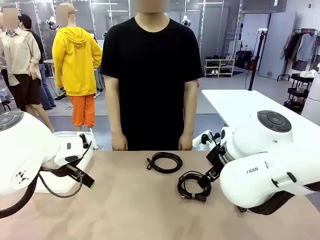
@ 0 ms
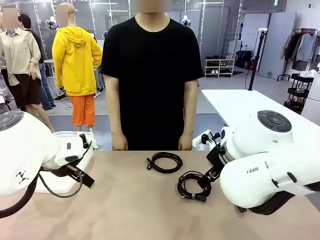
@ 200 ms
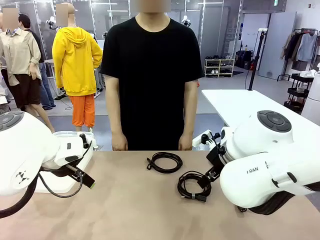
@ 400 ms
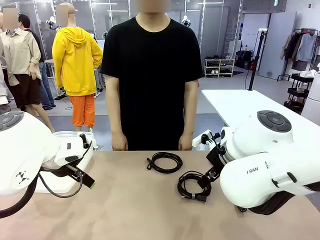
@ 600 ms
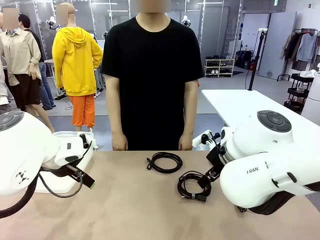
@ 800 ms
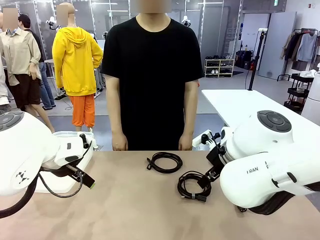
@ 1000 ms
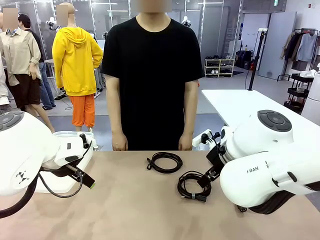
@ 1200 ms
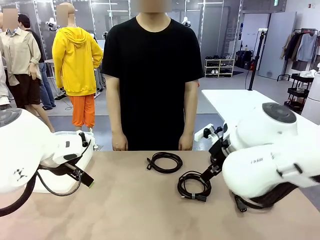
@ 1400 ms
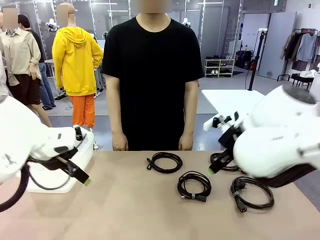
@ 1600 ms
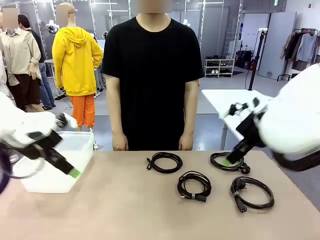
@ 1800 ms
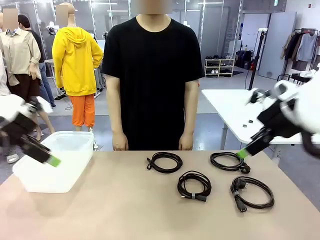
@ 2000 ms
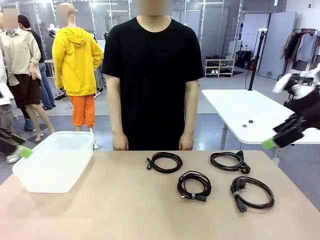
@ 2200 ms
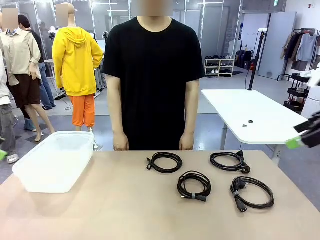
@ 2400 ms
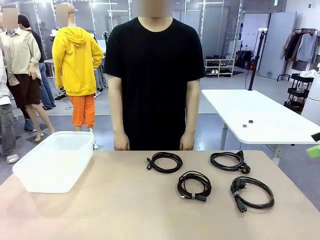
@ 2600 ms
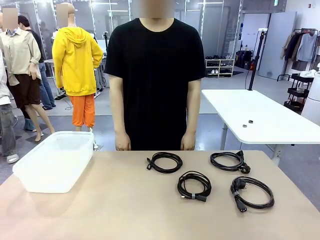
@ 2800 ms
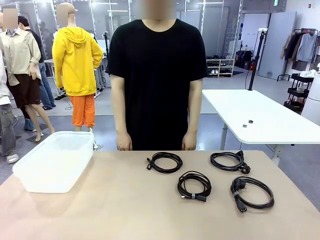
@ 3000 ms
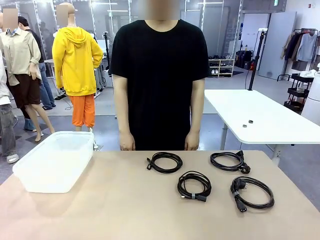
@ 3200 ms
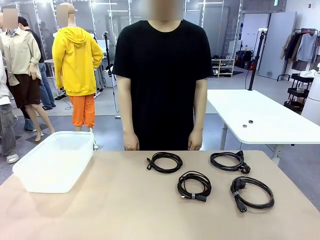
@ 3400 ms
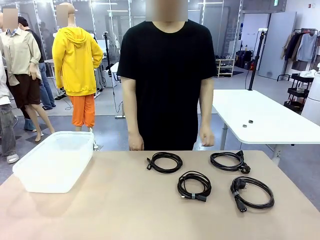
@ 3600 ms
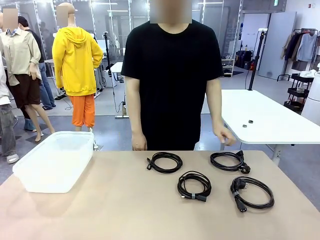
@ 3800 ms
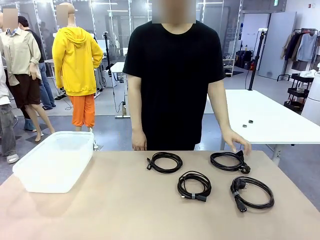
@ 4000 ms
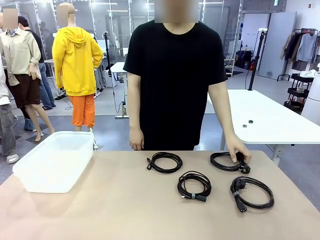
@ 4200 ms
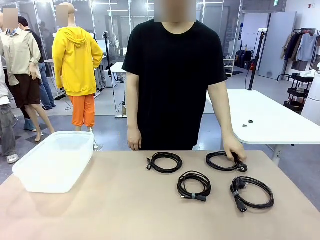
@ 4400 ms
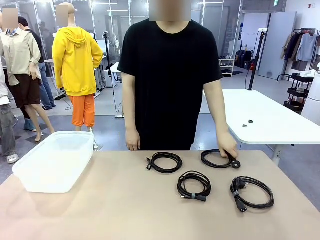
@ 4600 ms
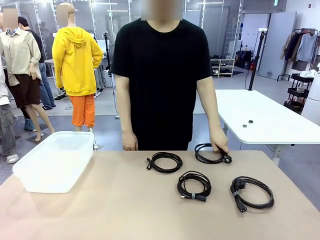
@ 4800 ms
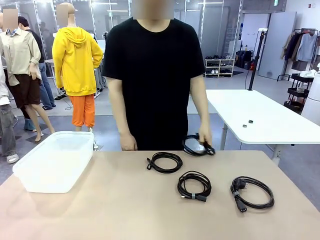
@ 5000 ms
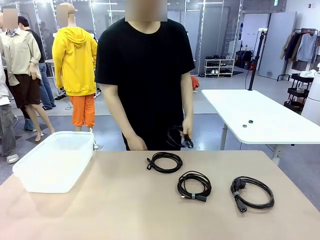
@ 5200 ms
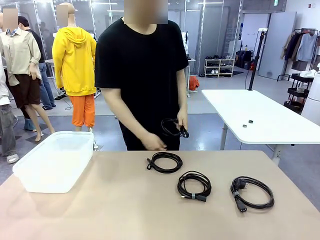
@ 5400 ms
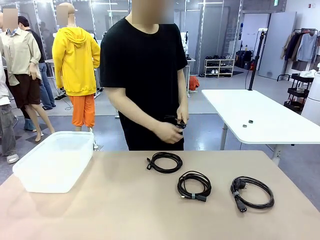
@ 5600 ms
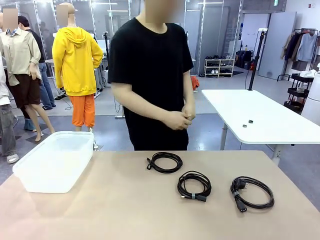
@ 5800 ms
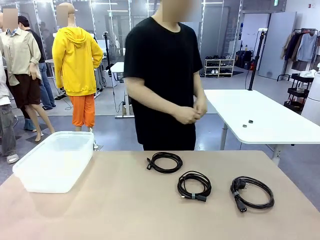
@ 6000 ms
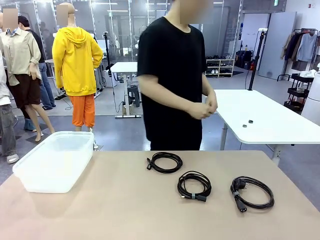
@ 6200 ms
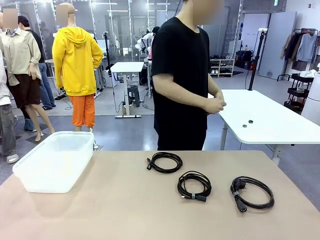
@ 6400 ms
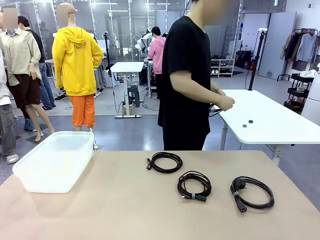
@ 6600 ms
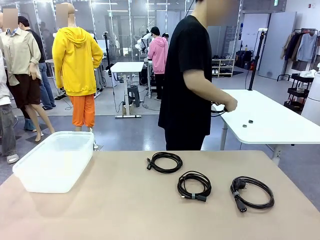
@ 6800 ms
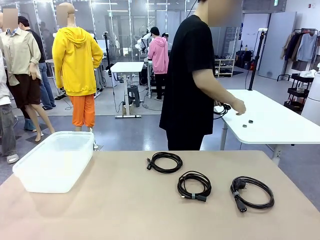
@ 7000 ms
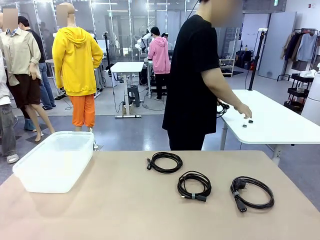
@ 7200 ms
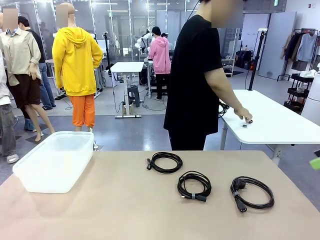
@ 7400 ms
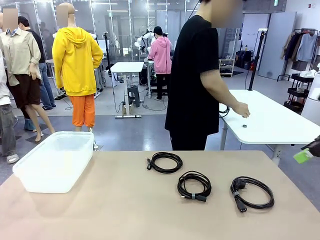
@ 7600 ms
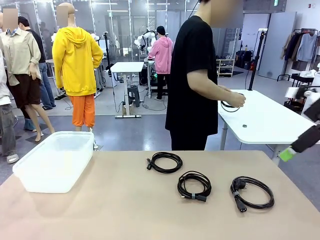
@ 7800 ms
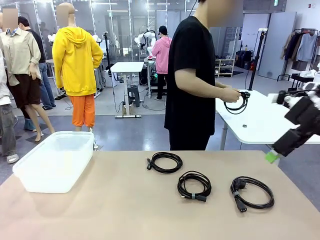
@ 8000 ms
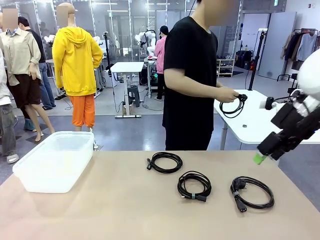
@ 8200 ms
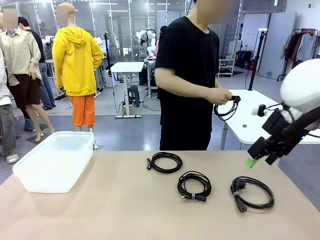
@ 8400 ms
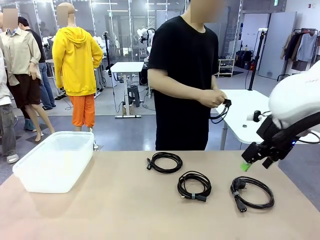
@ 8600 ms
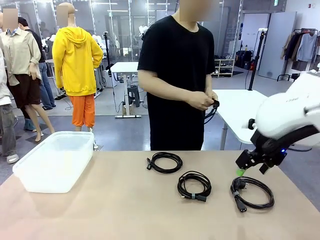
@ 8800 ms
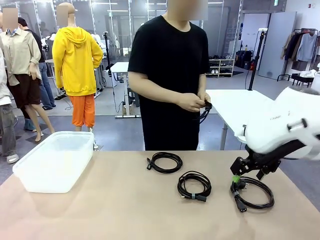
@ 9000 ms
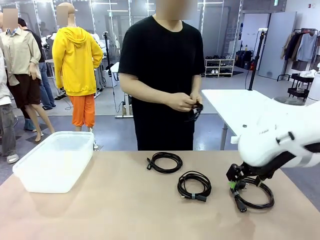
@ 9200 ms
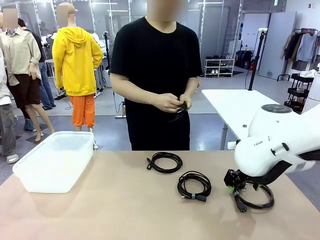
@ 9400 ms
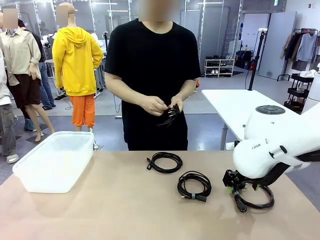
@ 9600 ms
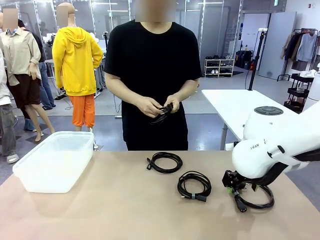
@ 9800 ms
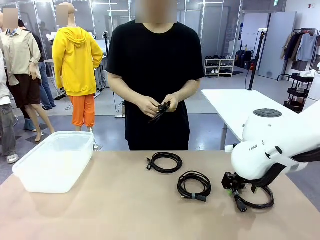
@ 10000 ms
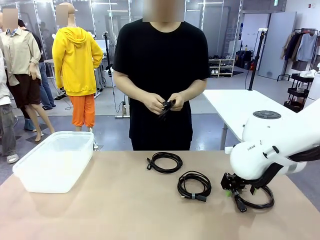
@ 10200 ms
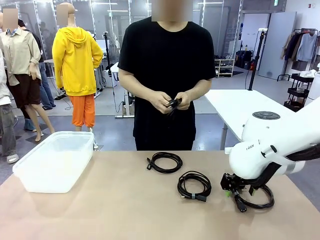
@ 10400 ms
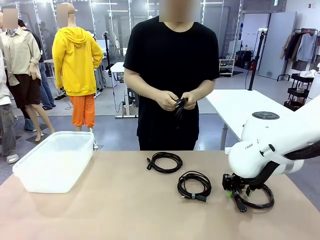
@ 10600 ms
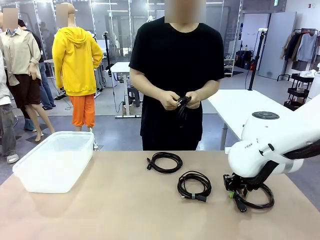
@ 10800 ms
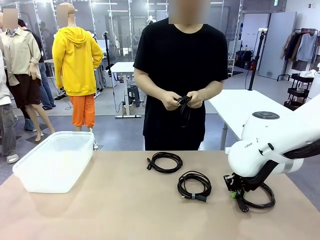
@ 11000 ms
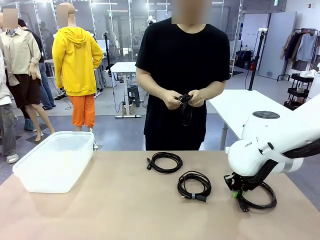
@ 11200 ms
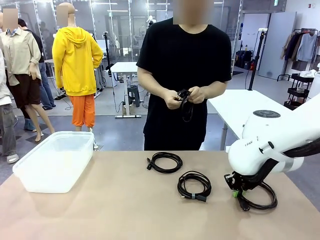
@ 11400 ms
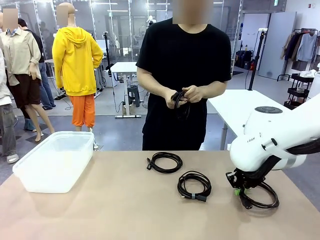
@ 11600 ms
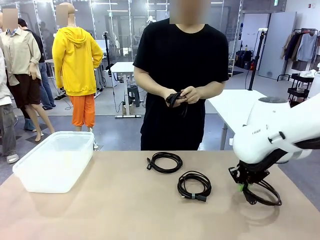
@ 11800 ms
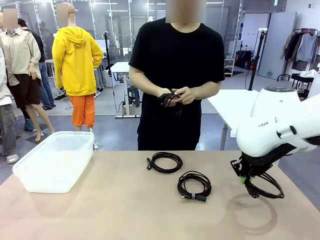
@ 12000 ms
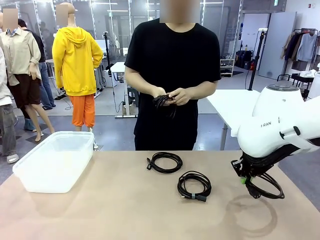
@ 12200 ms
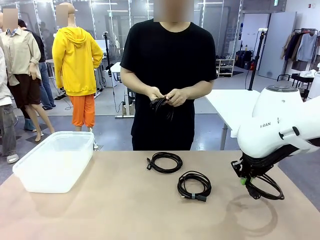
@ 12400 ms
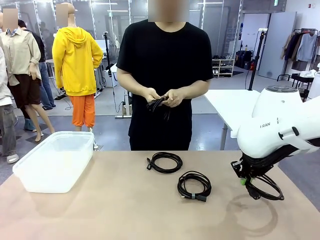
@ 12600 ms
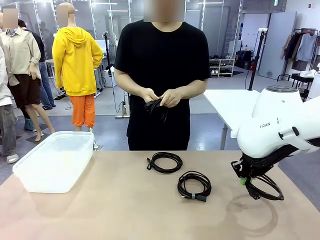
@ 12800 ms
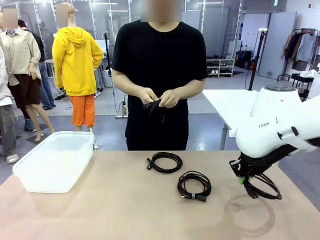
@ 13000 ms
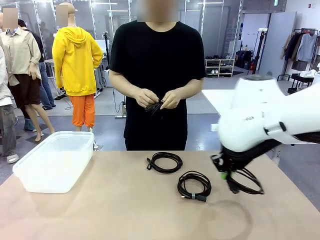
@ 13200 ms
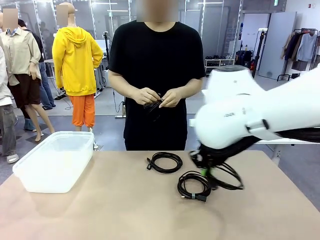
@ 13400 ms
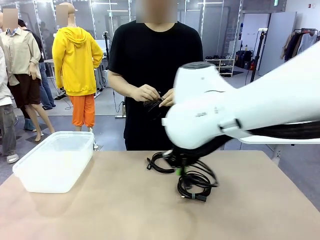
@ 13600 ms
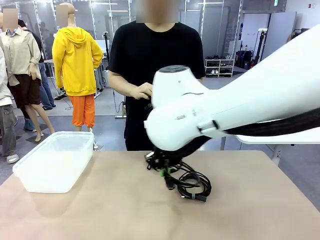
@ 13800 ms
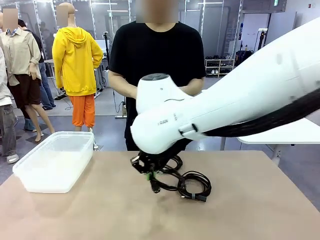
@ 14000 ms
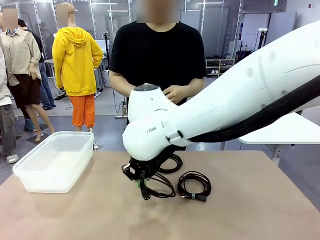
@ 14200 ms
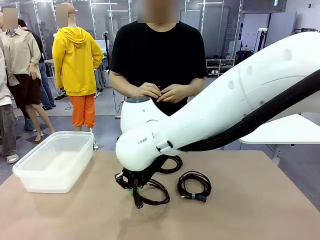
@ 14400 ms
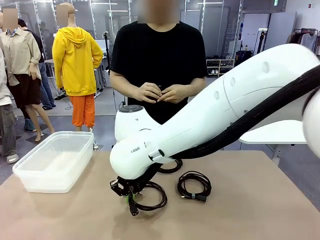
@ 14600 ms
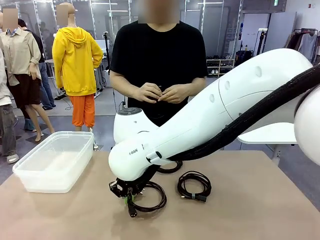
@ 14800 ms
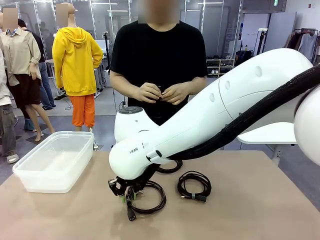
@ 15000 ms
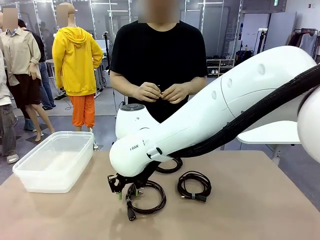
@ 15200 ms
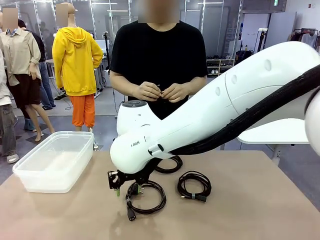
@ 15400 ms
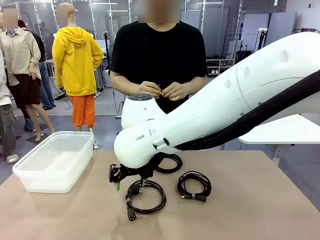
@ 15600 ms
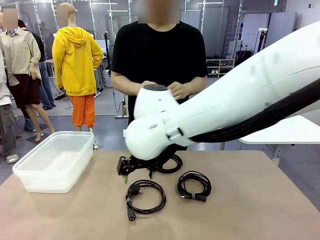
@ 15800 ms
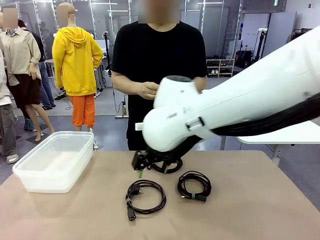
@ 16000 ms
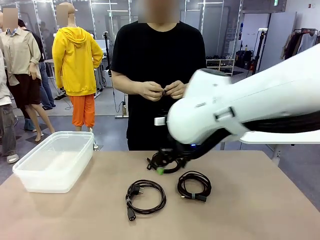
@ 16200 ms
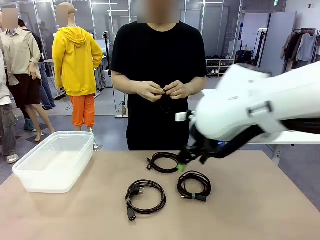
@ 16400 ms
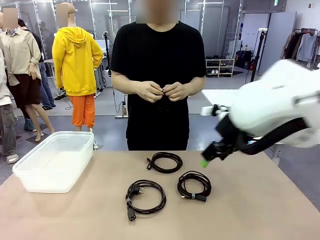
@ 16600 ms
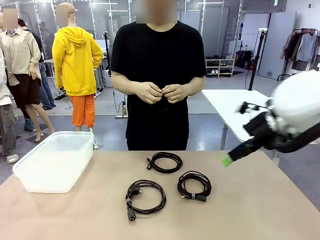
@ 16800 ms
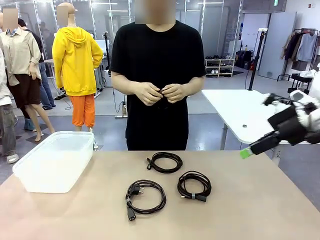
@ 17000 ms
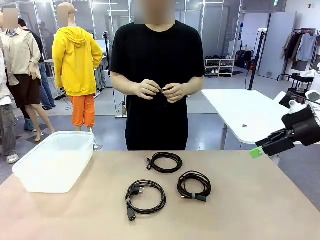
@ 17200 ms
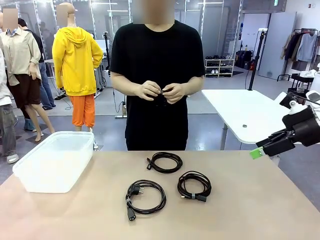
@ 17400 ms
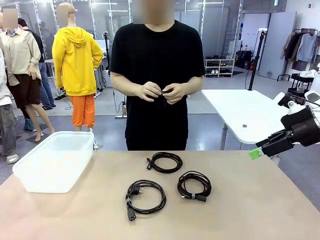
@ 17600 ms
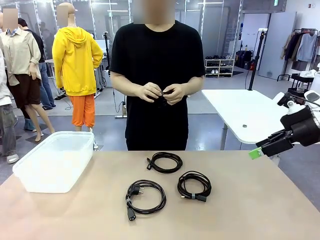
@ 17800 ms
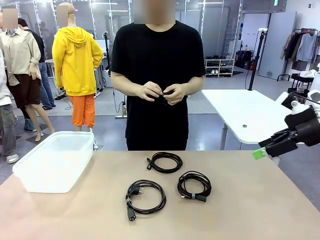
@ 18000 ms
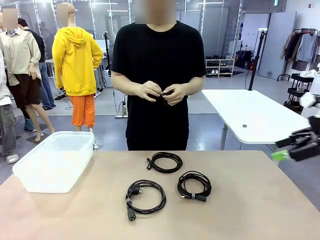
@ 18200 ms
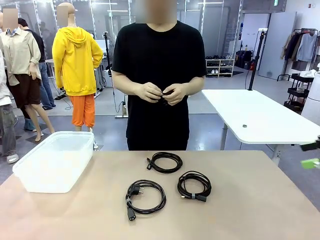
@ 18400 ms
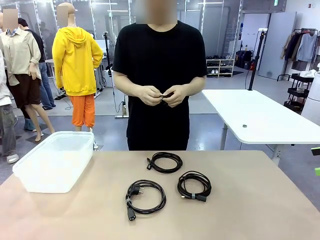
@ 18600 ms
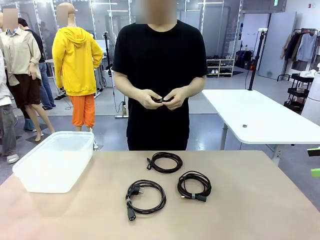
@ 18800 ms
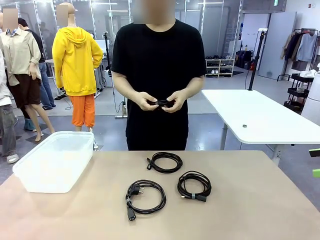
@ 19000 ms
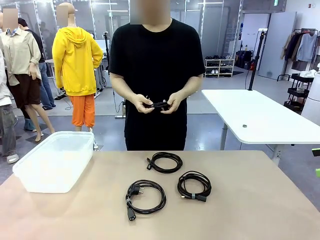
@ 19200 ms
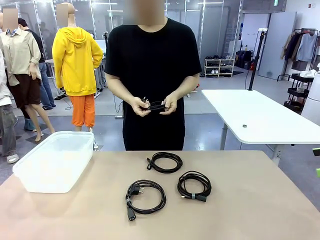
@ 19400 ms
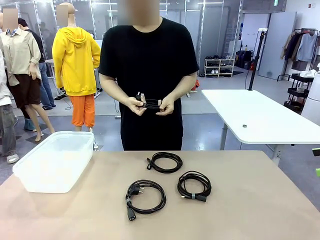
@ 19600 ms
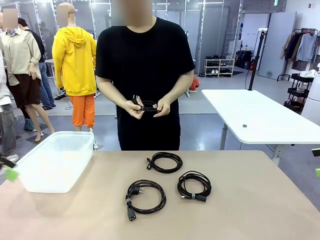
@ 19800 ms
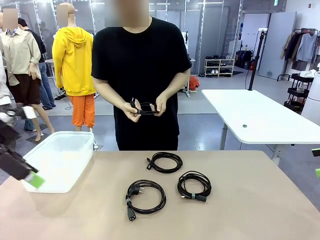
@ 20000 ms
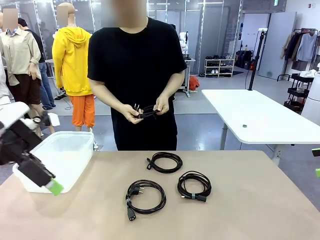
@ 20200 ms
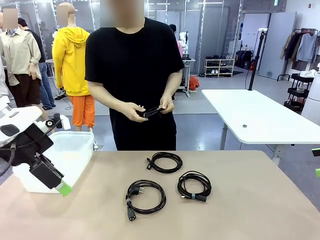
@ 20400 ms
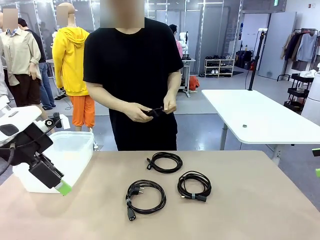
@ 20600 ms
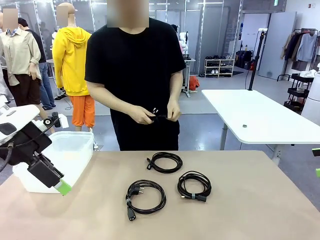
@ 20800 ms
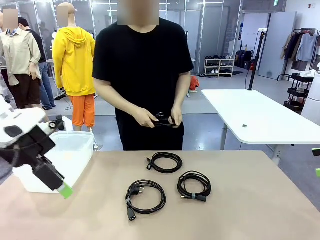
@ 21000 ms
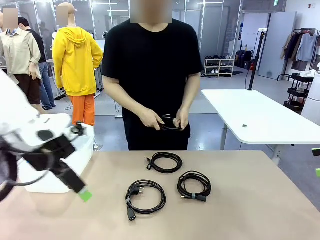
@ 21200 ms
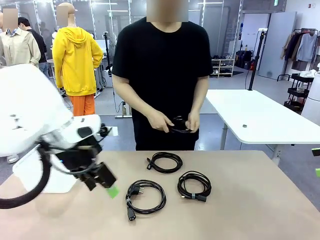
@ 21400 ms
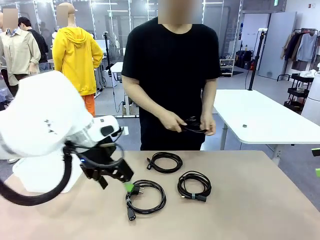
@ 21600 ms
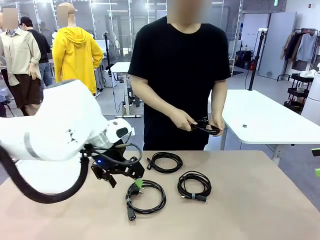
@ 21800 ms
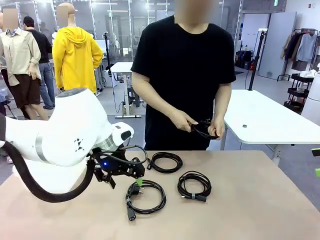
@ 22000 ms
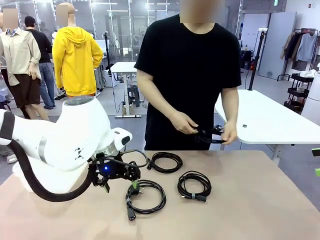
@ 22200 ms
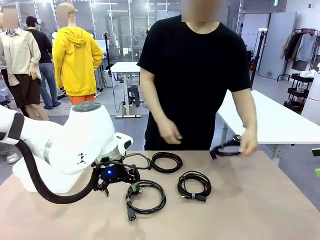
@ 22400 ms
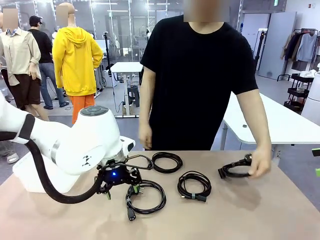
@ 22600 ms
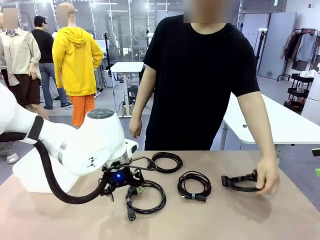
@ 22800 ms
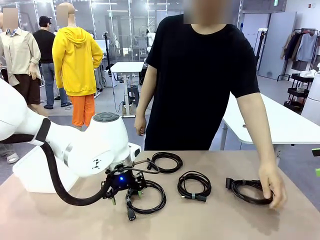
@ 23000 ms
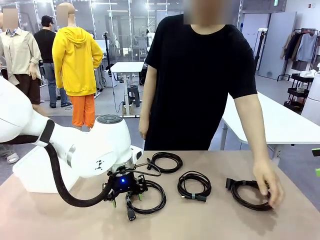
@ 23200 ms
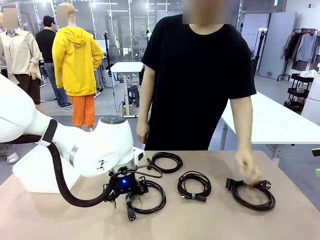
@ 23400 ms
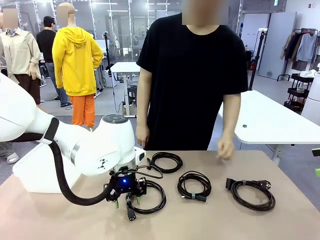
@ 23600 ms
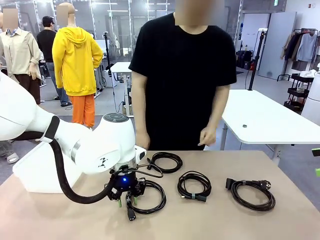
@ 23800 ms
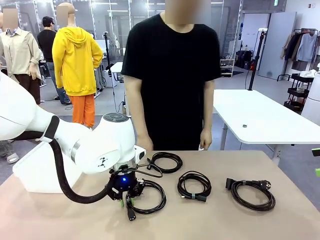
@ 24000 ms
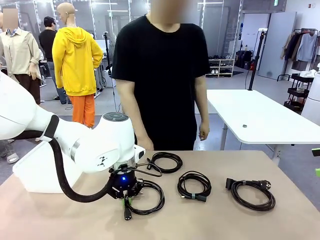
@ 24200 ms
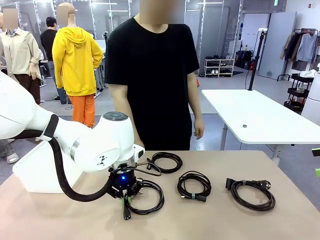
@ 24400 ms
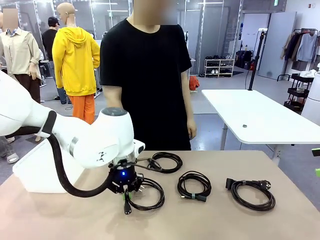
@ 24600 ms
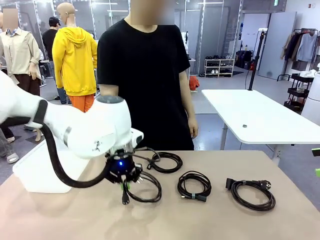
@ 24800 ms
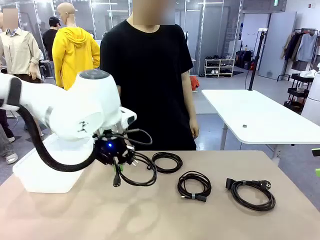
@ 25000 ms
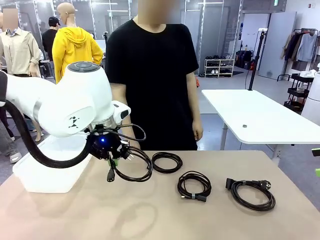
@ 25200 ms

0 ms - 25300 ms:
Task: Organize and store the cables.
Robot: Place the Power Cable into the Organizing box.
Person: Tie one Power Cable with a Reusable Cable Tie.
